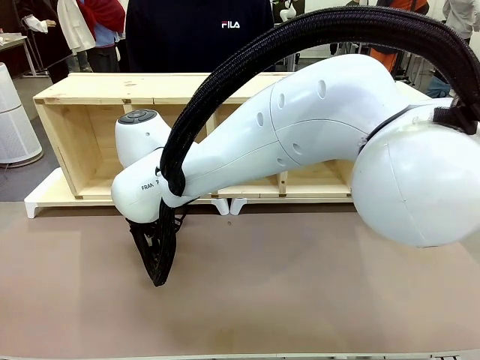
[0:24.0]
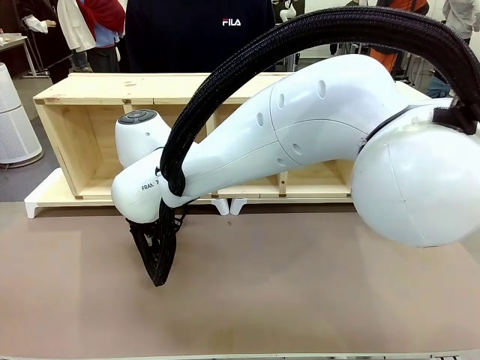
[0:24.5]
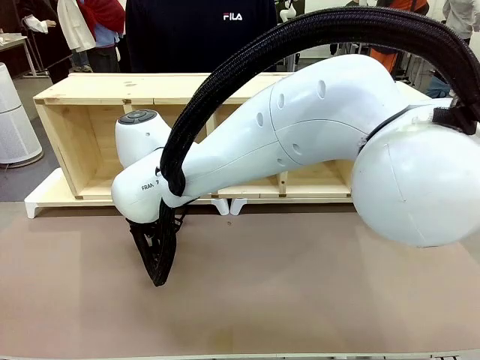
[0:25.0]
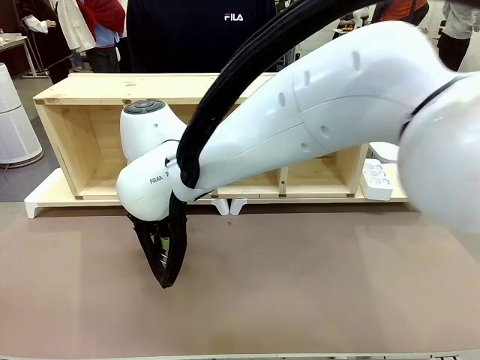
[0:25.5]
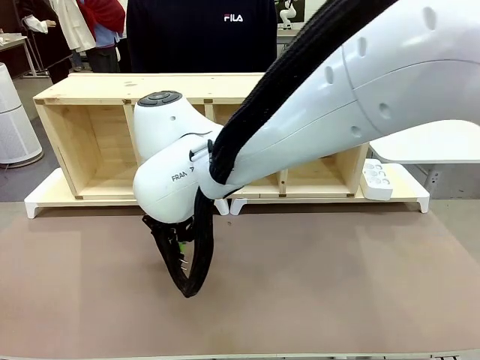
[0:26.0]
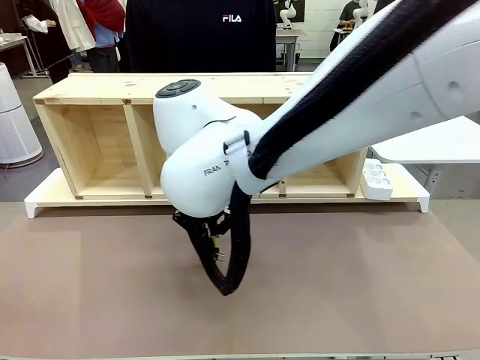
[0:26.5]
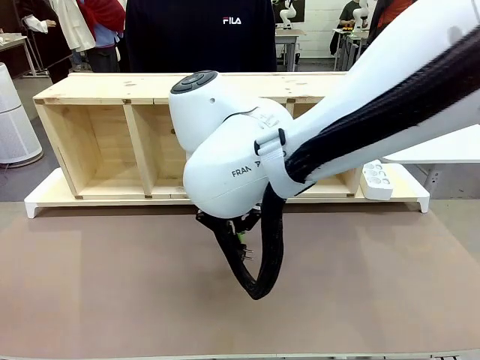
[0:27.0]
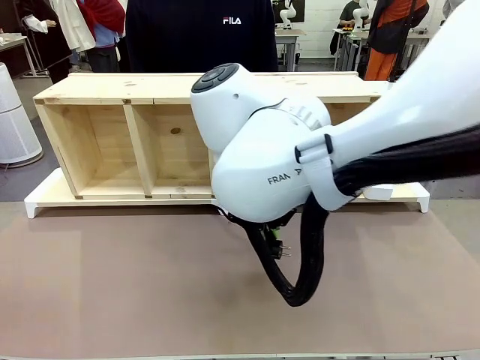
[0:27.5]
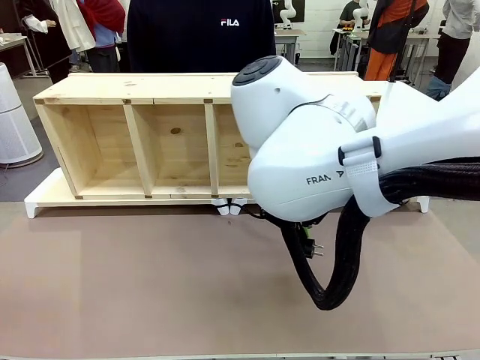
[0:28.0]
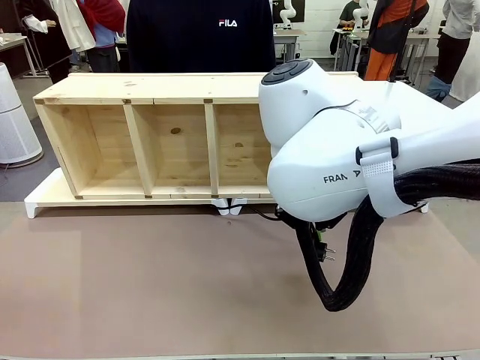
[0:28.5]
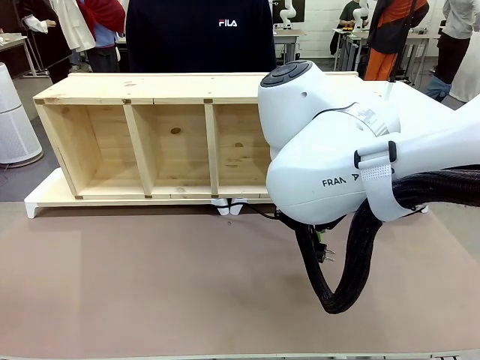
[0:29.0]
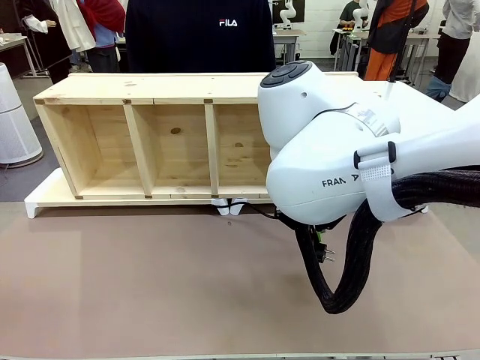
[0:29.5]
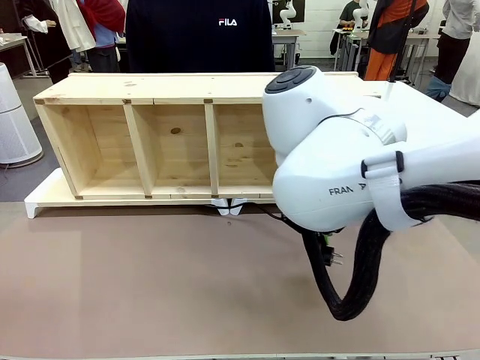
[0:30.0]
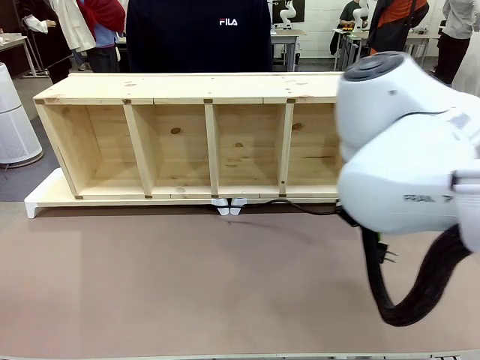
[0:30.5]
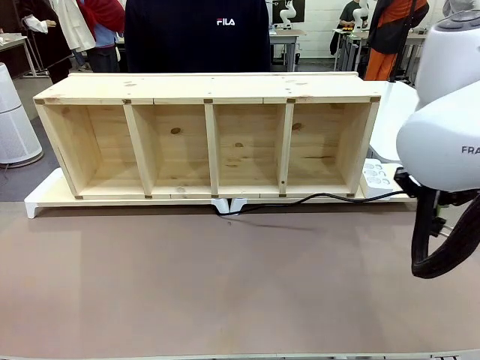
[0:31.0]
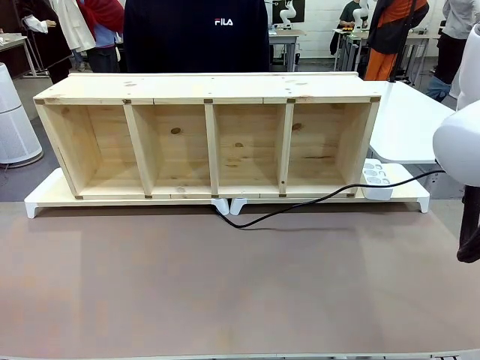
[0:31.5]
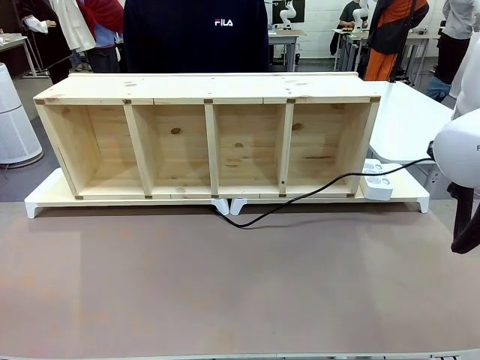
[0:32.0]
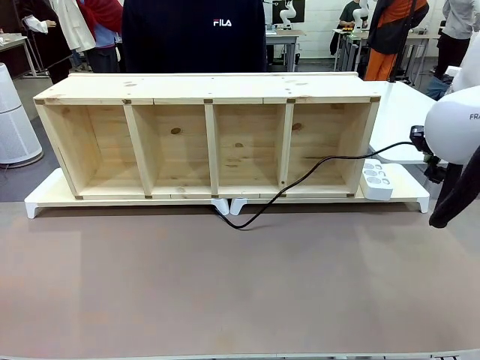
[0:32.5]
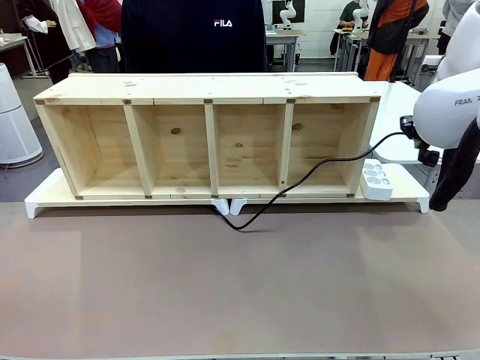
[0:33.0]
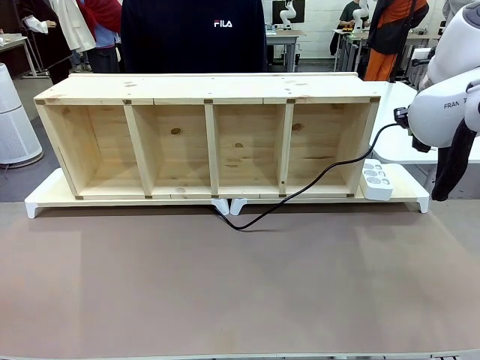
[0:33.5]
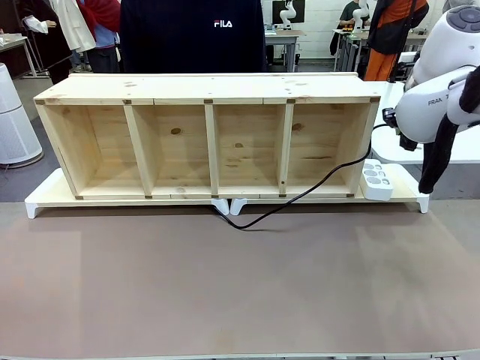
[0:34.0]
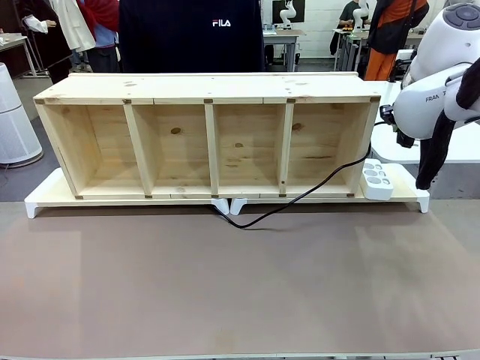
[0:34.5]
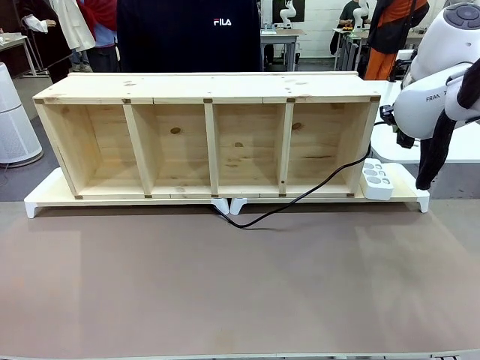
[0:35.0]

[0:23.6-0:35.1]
Task: Perform cable management.
Robot: Pull the grasped Power Cable to the location of the Power Strip.

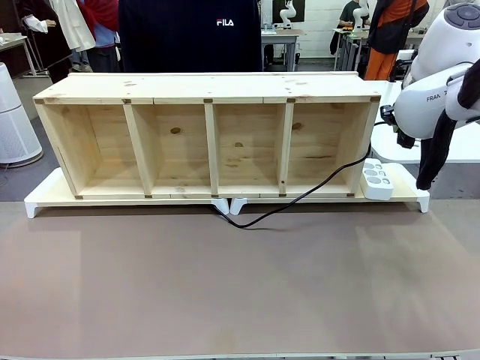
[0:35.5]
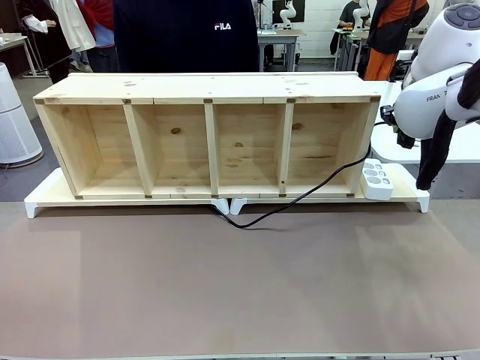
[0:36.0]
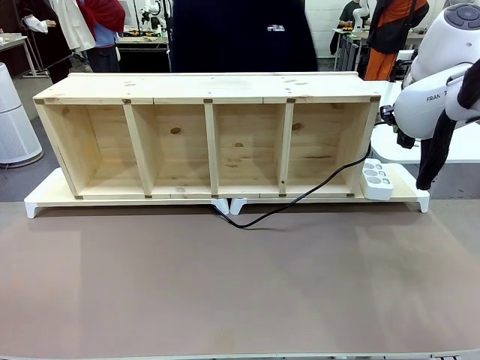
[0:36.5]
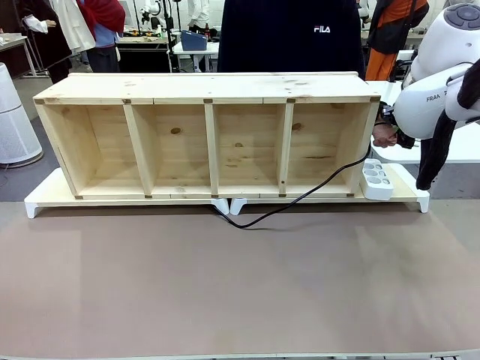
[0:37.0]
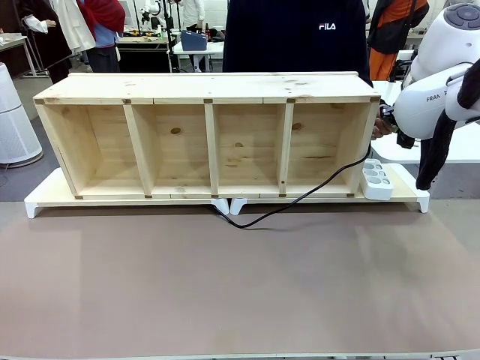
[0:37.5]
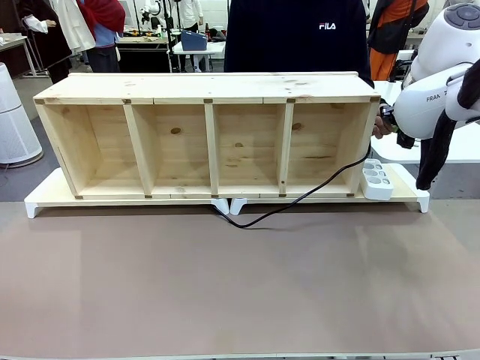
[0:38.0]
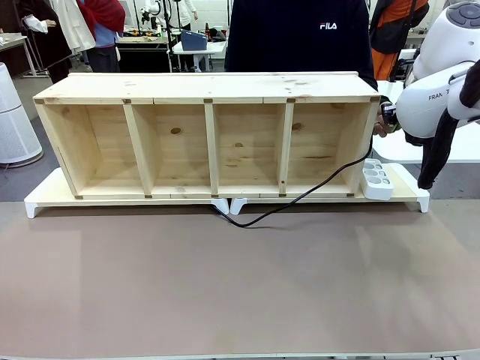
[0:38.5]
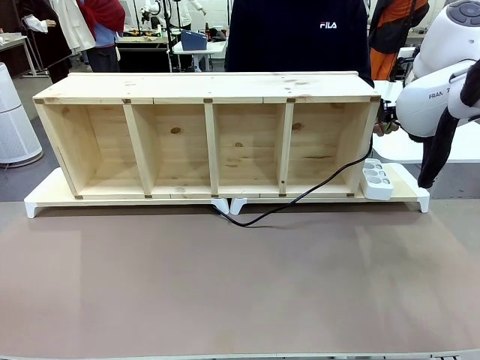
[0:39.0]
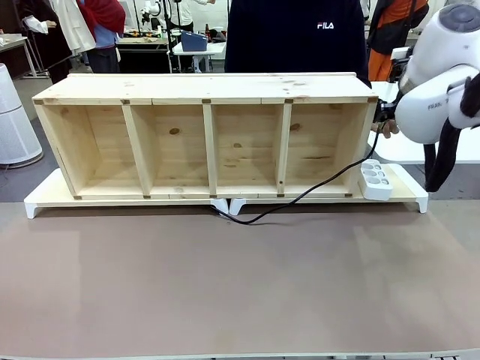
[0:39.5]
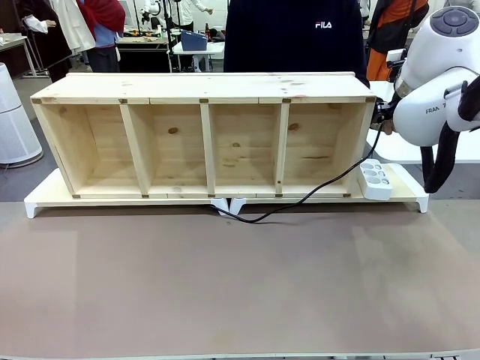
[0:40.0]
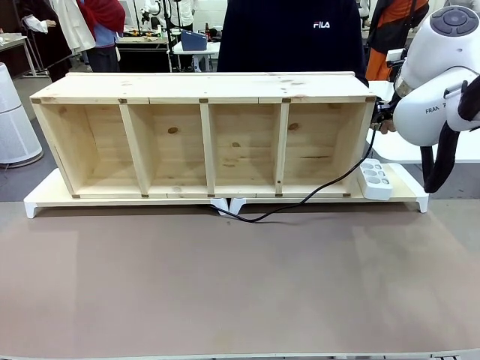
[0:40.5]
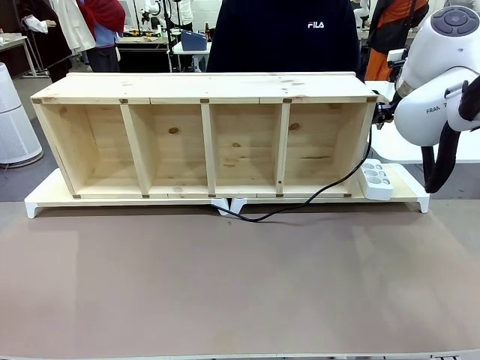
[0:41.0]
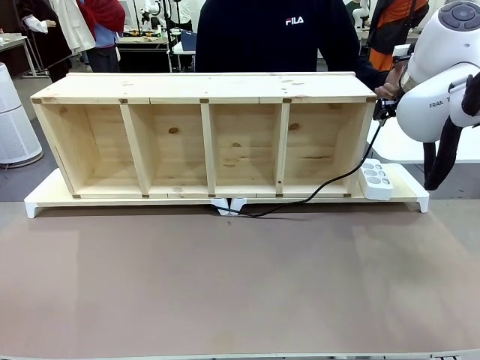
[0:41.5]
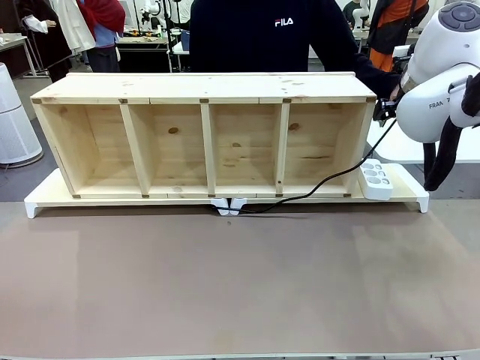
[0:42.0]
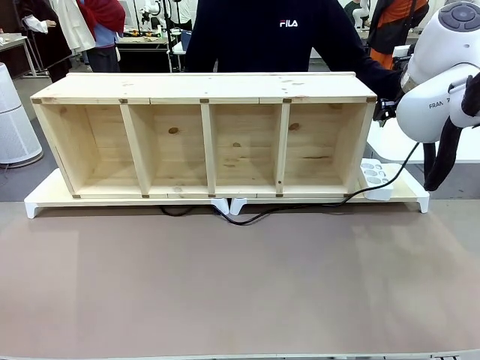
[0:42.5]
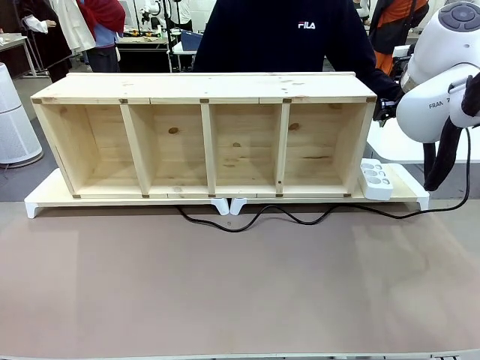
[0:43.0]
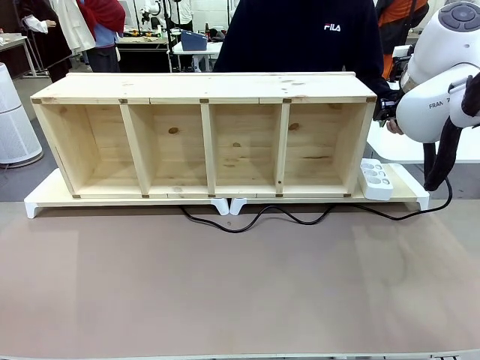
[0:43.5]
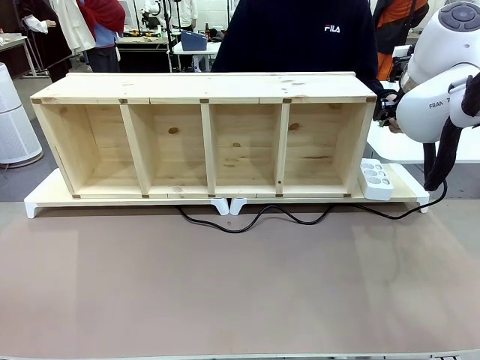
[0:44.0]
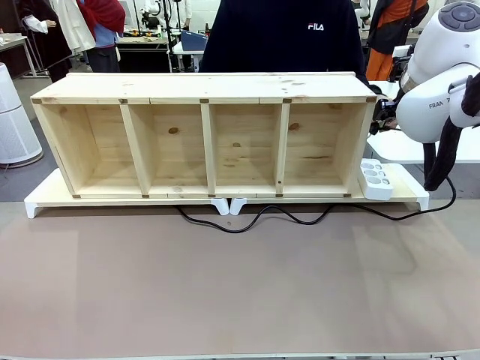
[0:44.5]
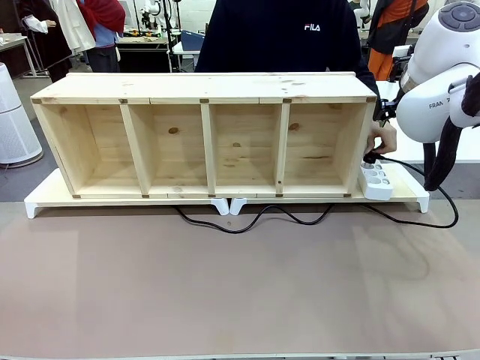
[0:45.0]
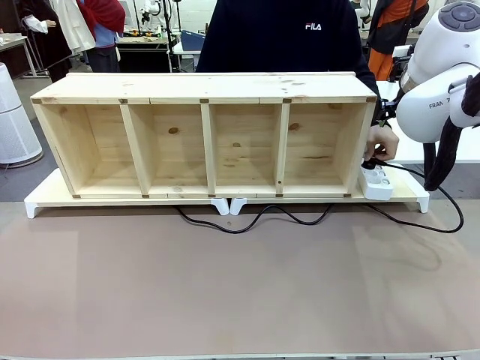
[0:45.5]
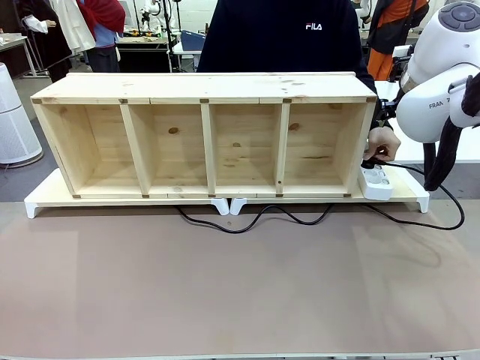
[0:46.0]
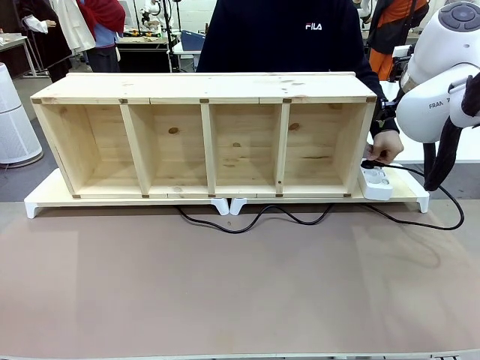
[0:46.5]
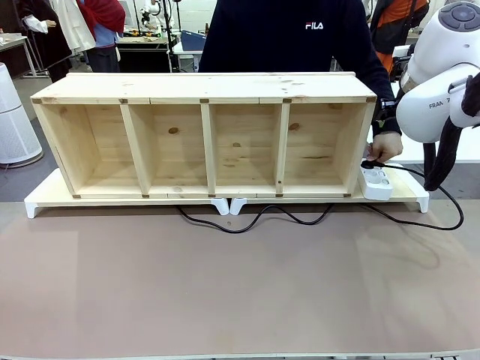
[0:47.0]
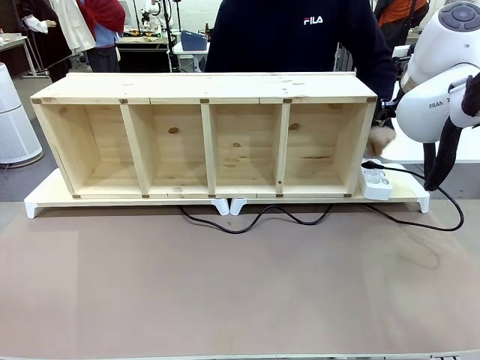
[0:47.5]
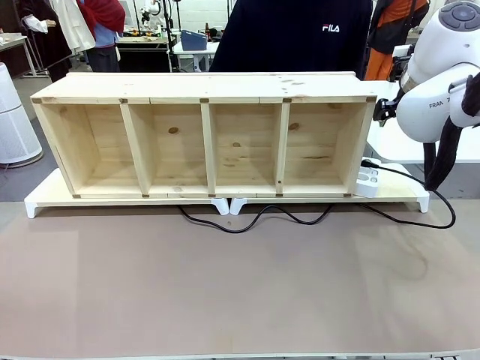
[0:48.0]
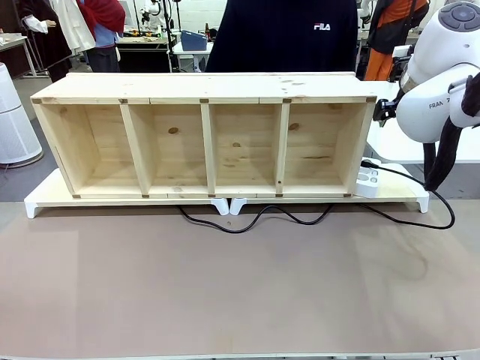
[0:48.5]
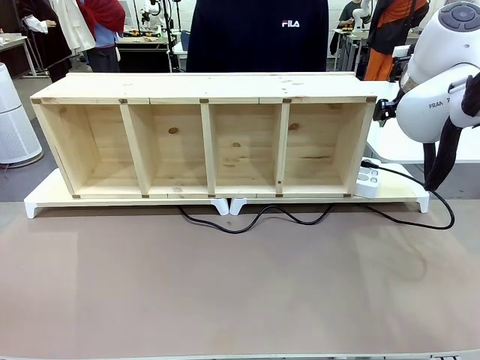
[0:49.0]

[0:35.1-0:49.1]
Robot: Release the Power Cable when the human grasps it.
Person: Plug the Power Cable into the Power Strip.
